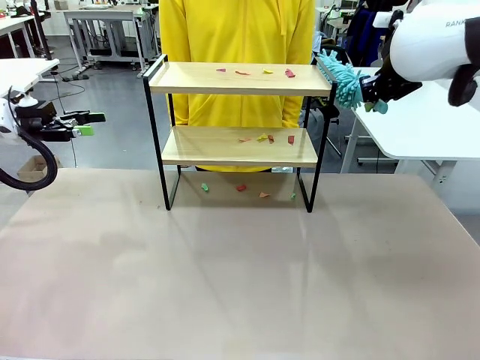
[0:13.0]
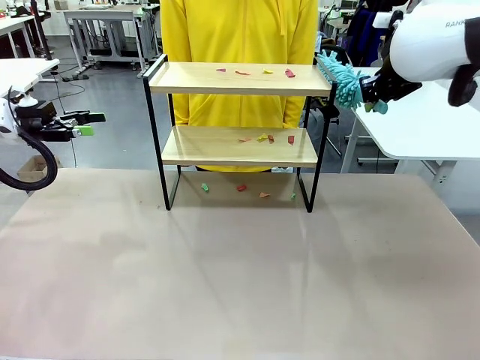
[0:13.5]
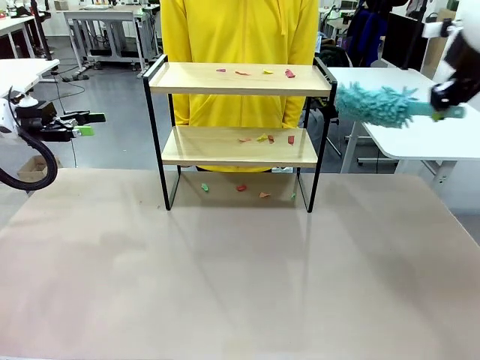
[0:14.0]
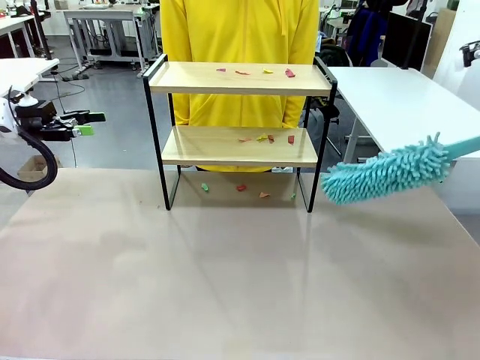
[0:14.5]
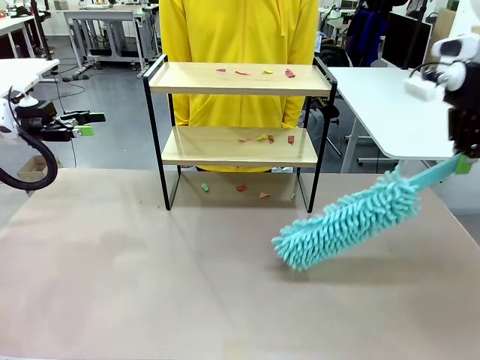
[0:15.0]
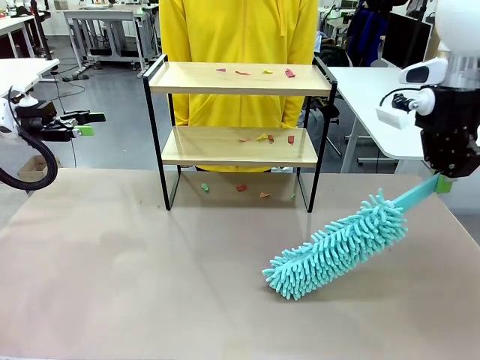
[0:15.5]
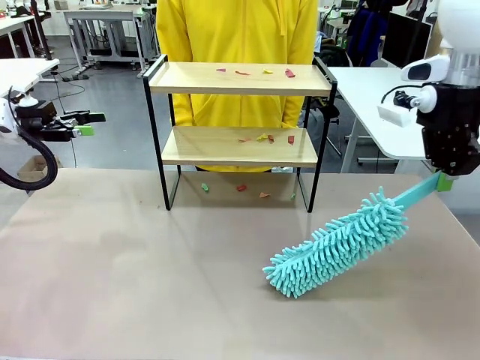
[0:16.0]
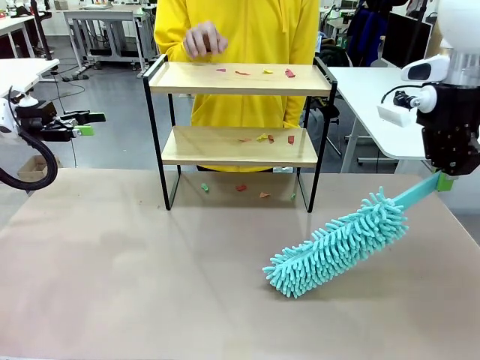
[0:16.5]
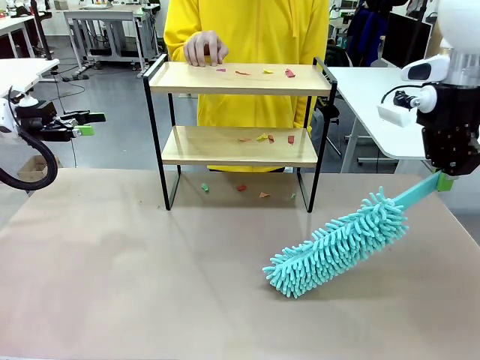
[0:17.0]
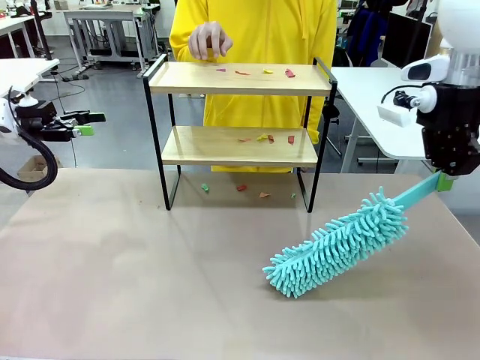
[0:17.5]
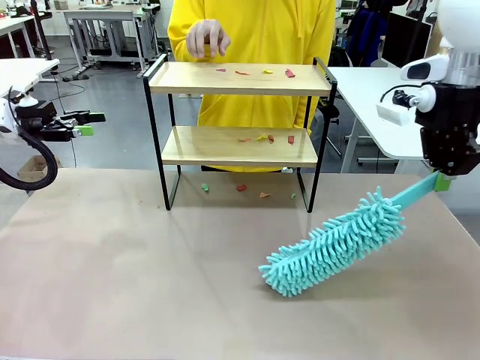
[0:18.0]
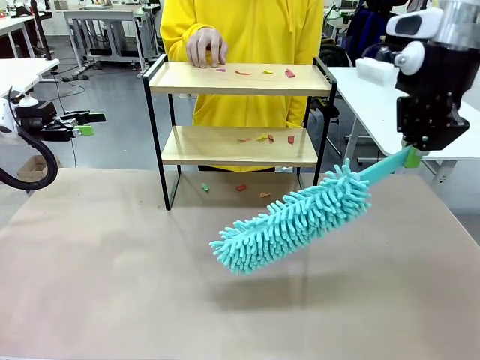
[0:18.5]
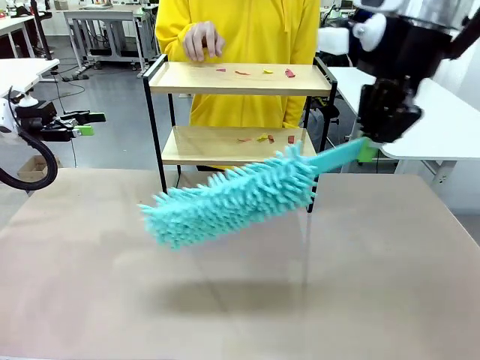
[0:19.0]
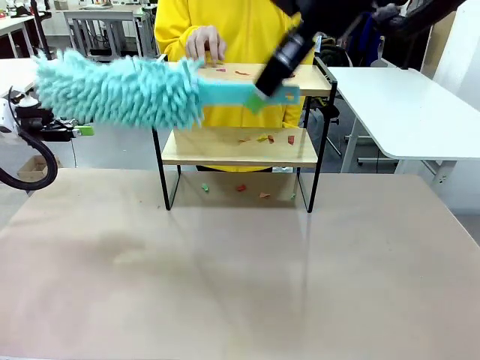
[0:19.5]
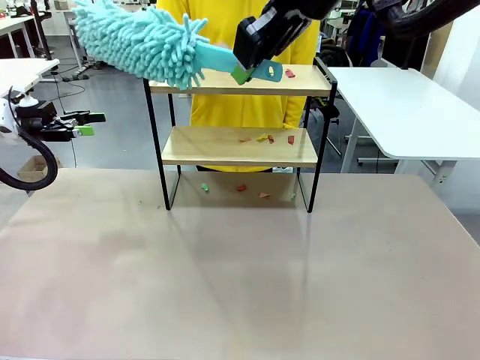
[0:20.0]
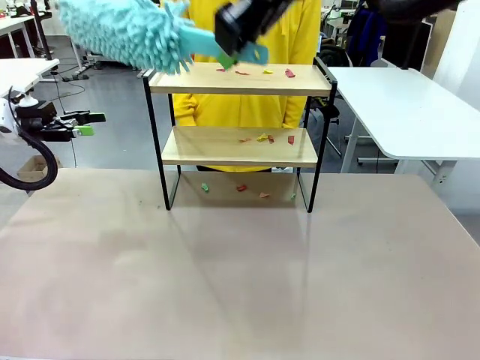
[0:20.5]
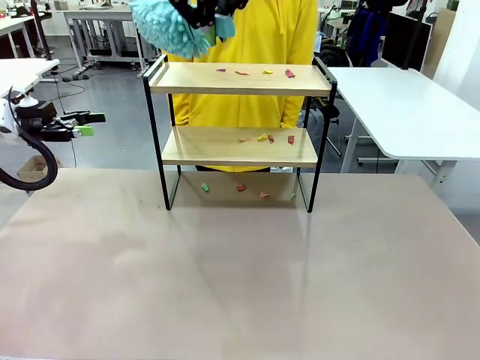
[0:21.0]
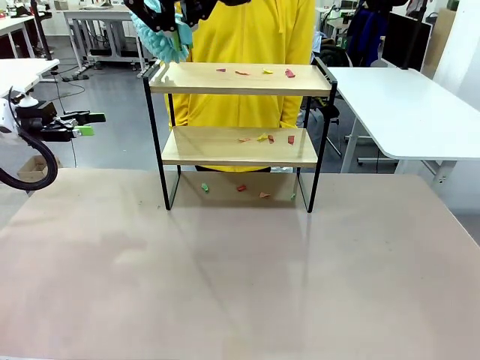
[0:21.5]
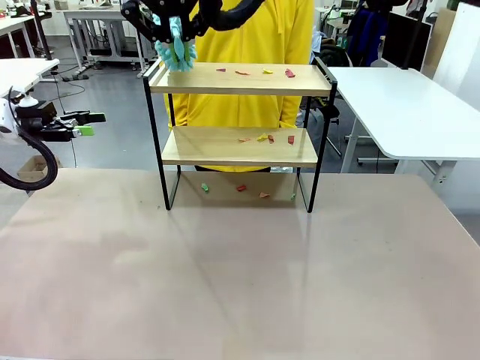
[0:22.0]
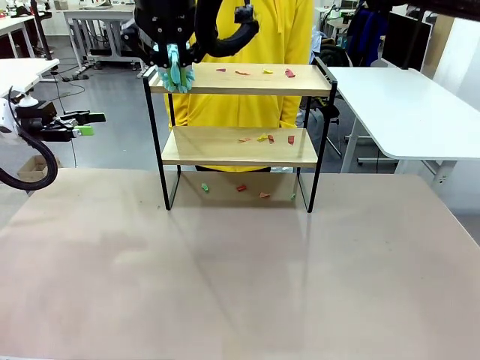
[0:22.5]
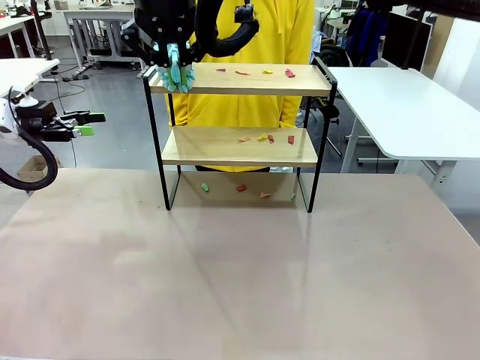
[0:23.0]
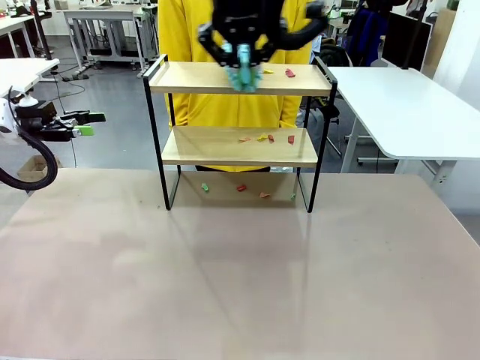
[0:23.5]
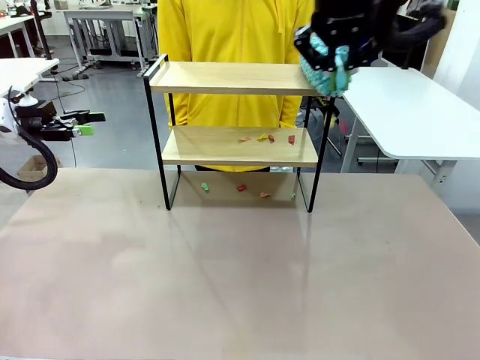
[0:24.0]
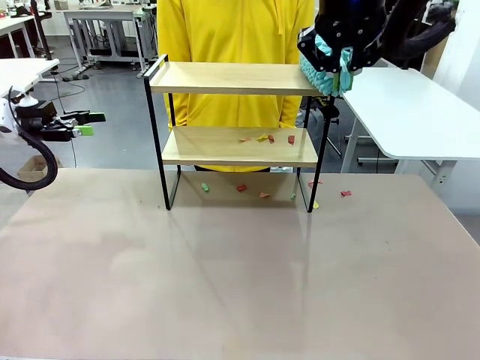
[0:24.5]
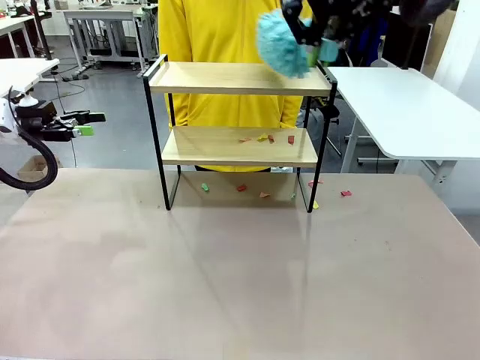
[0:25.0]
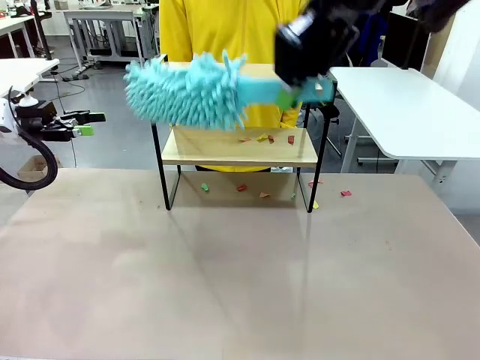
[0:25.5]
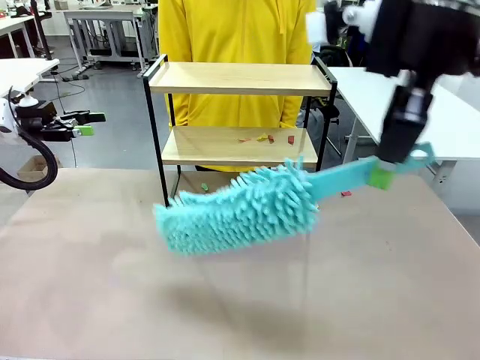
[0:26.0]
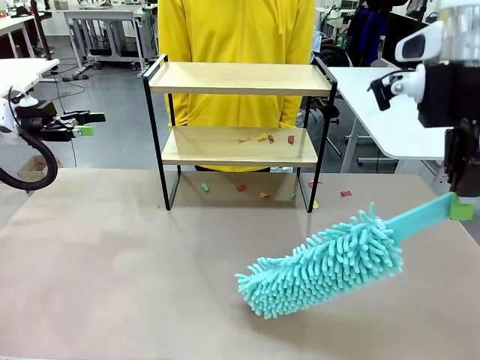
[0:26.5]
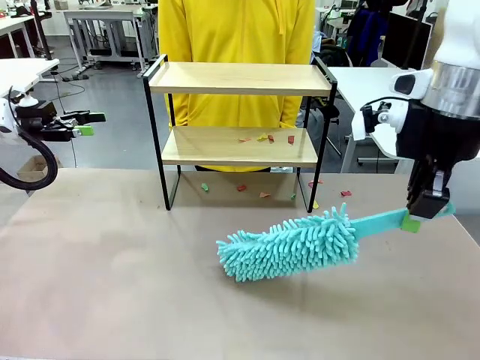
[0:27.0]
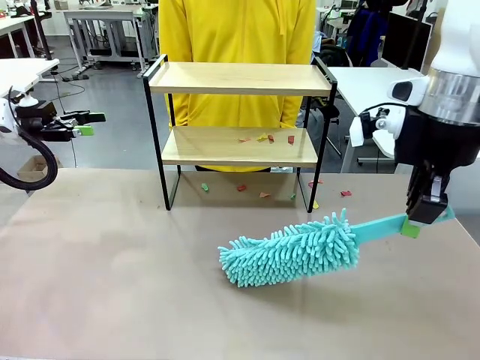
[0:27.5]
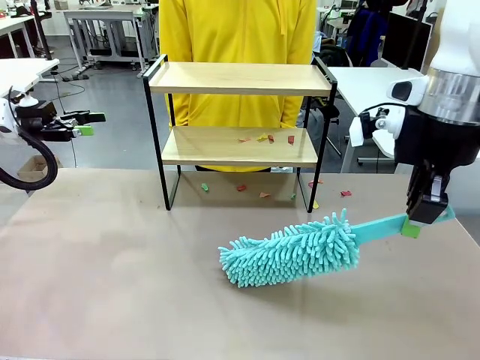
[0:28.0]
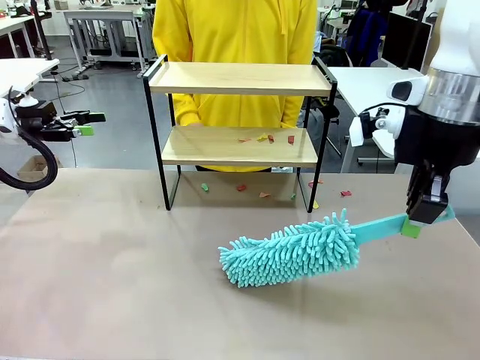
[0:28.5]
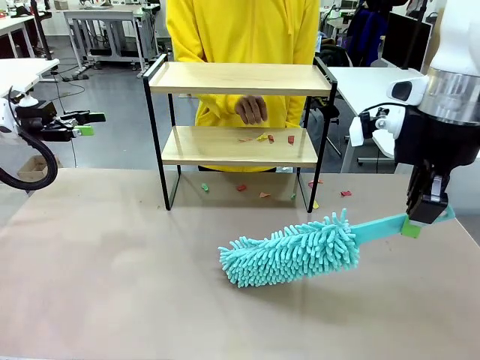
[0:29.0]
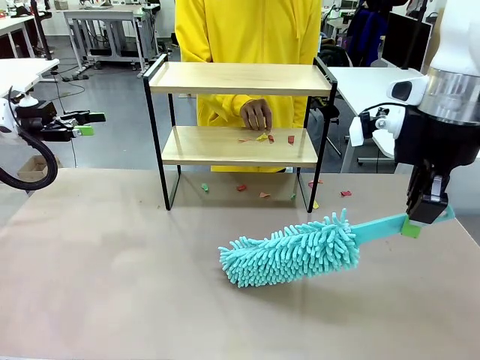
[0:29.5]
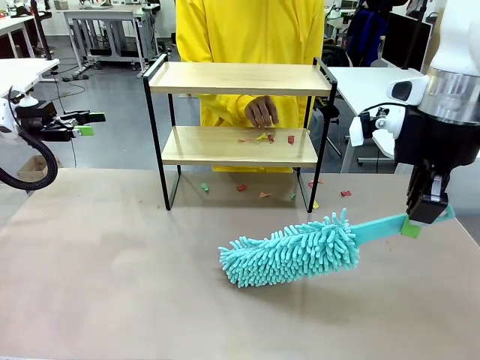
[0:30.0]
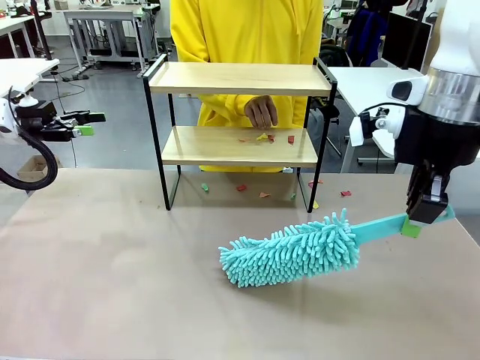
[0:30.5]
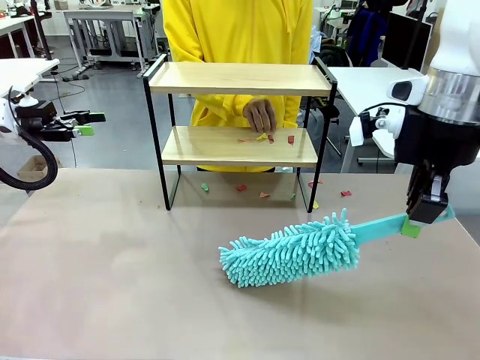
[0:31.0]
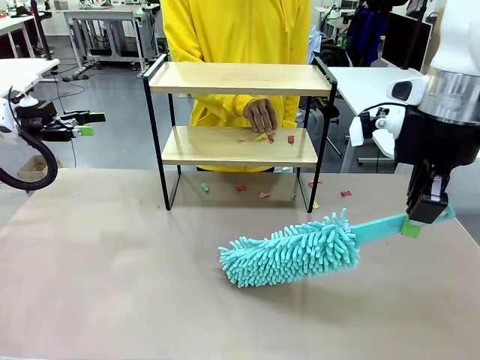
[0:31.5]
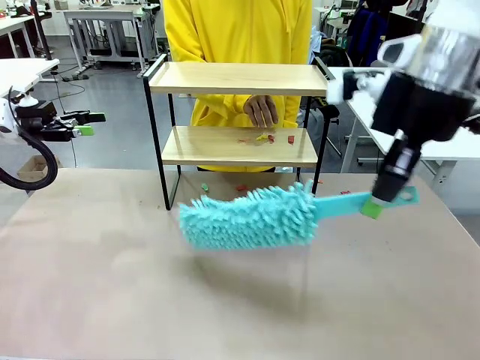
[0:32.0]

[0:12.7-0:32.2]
Task: Clean the shelf.
Robot: Clean the specific section of the Shelf indicated by the human with the Duster.
Person: Point a random section of the Shelf.
